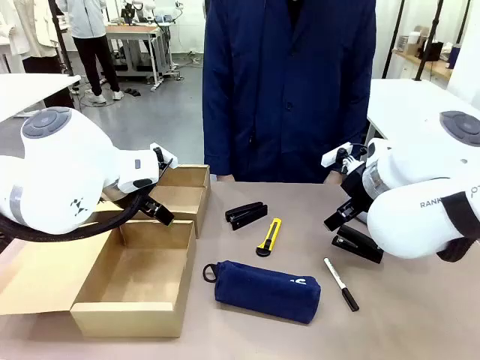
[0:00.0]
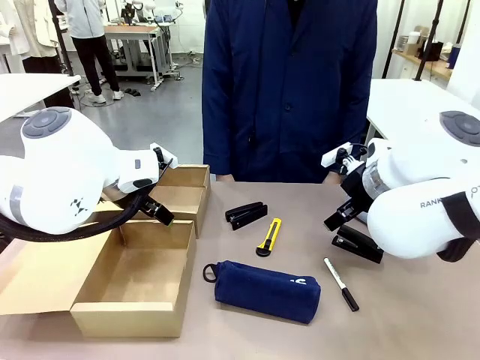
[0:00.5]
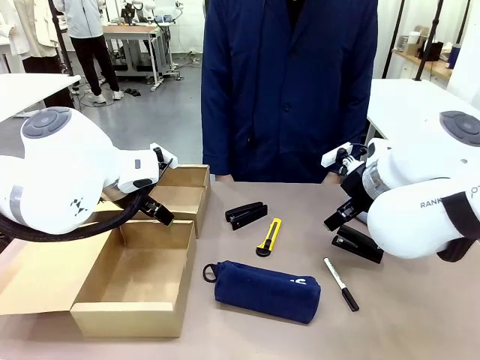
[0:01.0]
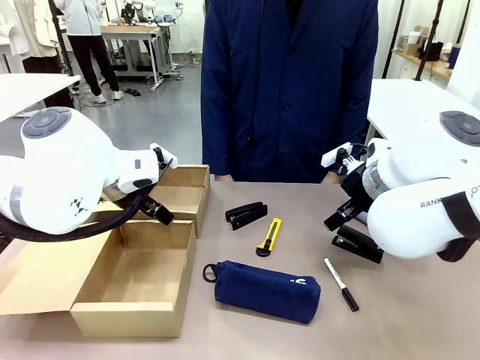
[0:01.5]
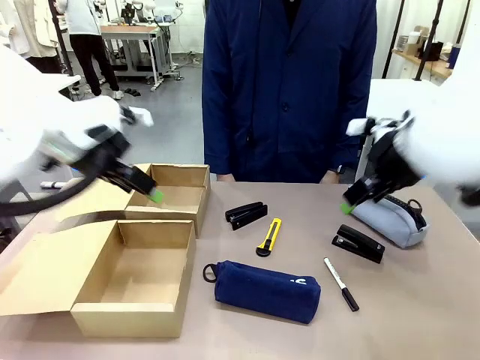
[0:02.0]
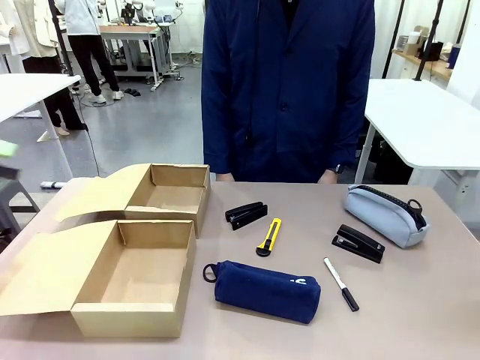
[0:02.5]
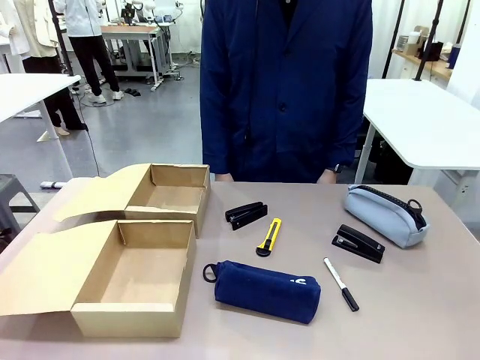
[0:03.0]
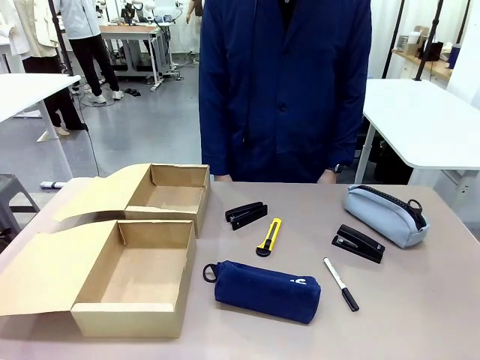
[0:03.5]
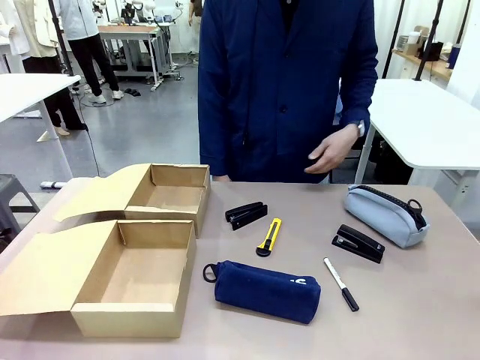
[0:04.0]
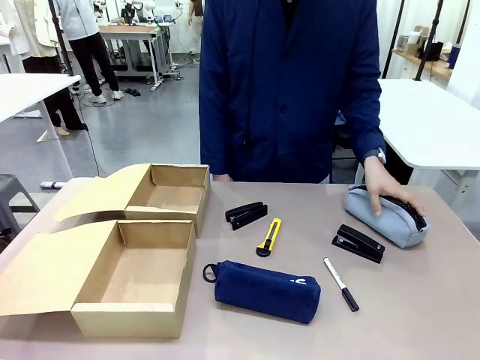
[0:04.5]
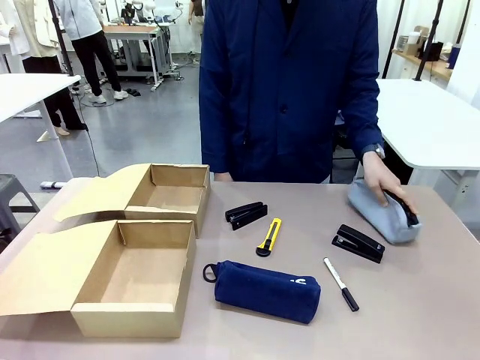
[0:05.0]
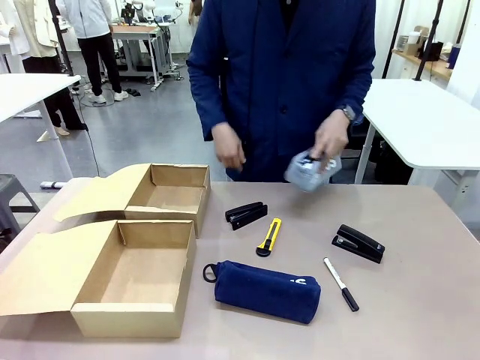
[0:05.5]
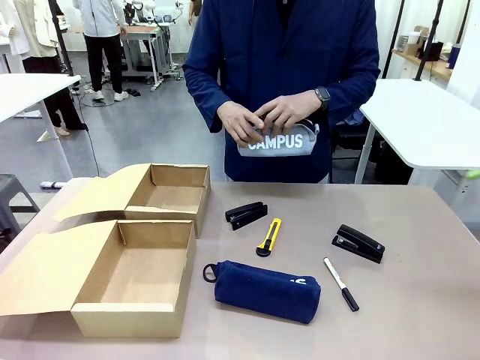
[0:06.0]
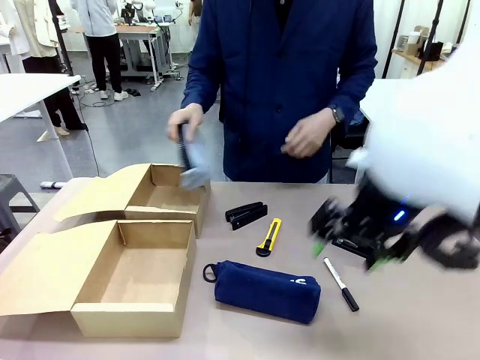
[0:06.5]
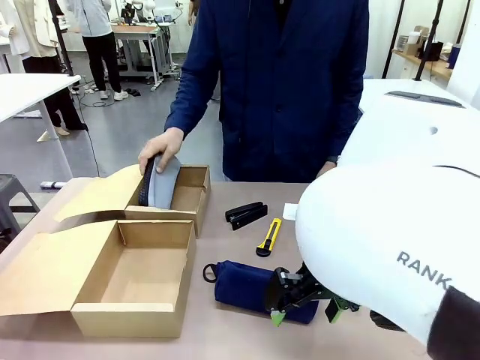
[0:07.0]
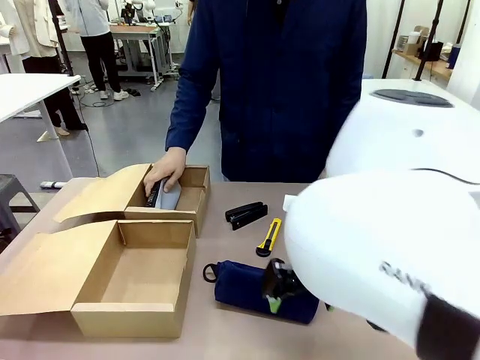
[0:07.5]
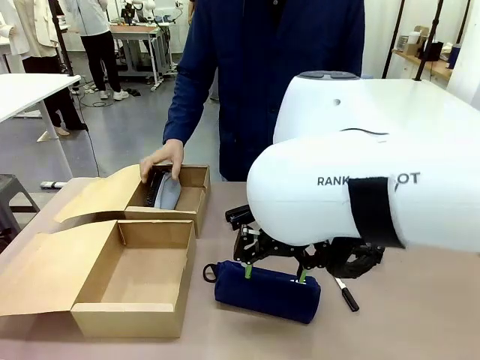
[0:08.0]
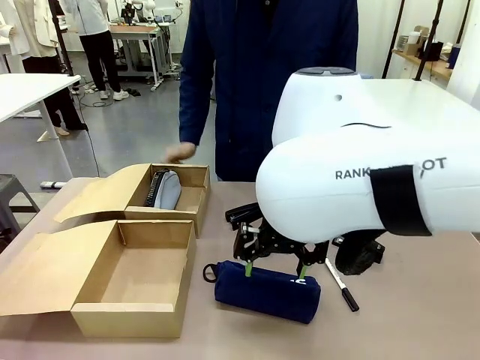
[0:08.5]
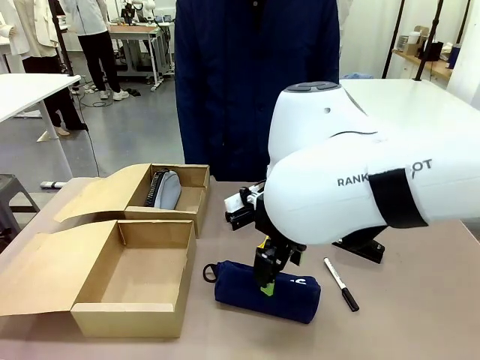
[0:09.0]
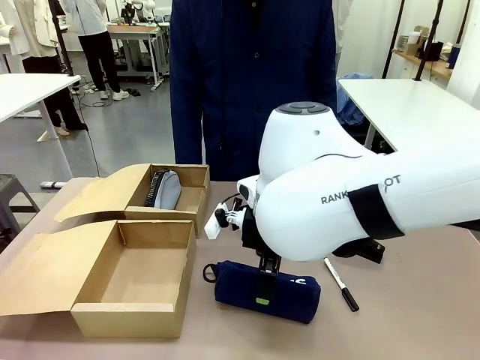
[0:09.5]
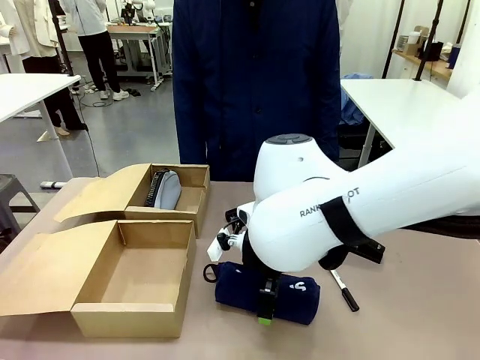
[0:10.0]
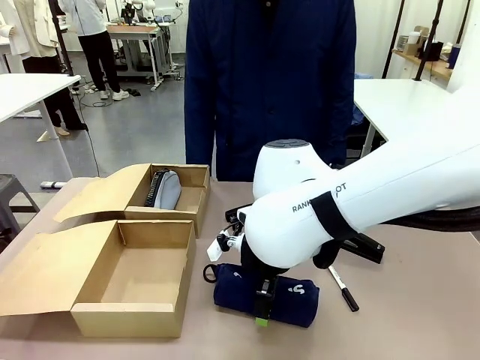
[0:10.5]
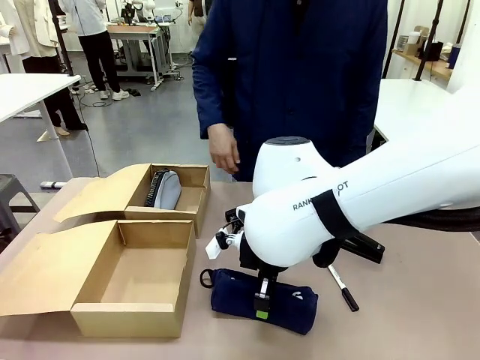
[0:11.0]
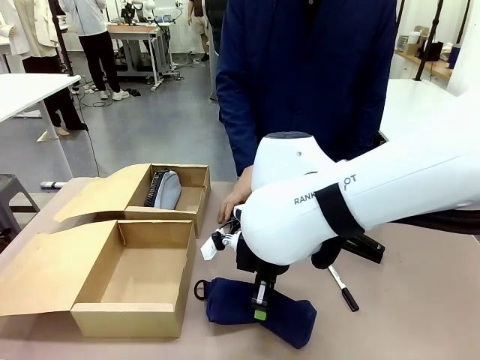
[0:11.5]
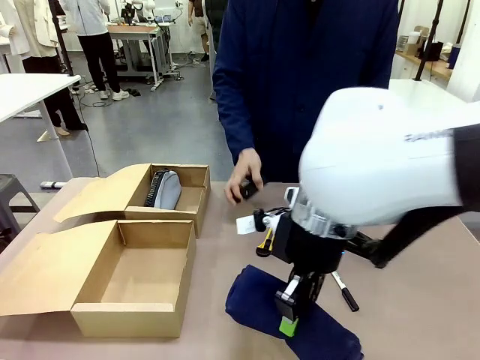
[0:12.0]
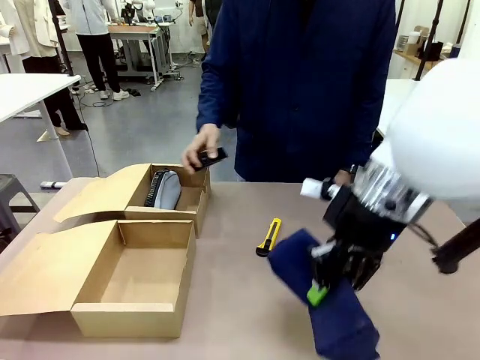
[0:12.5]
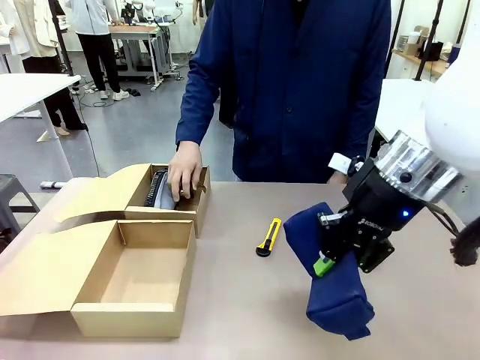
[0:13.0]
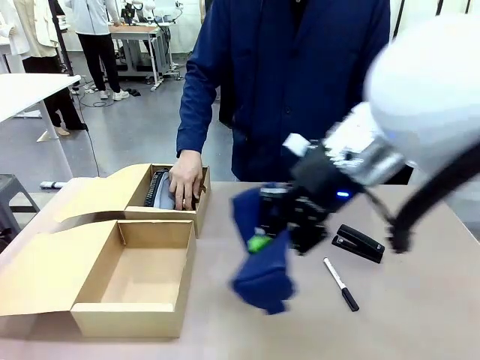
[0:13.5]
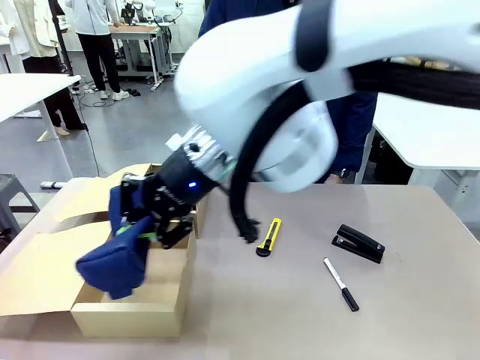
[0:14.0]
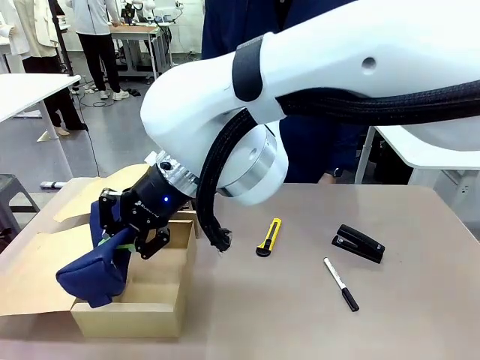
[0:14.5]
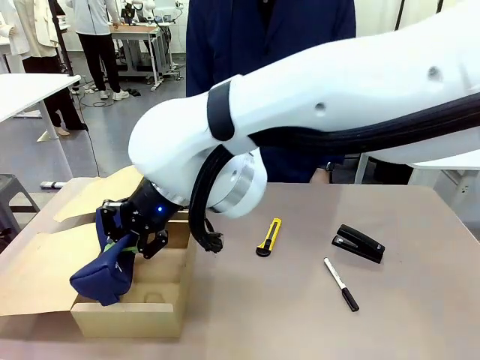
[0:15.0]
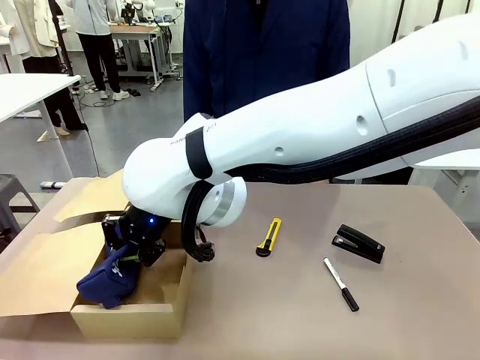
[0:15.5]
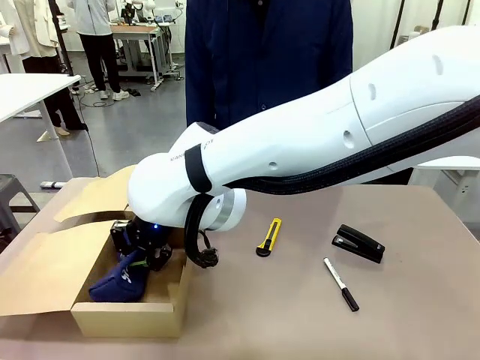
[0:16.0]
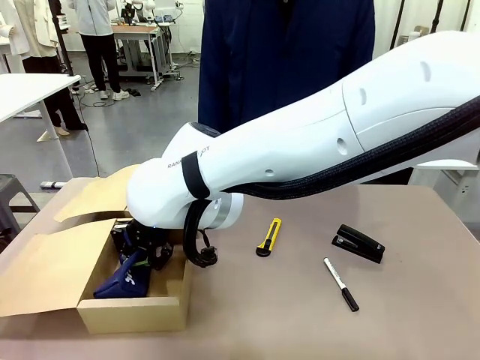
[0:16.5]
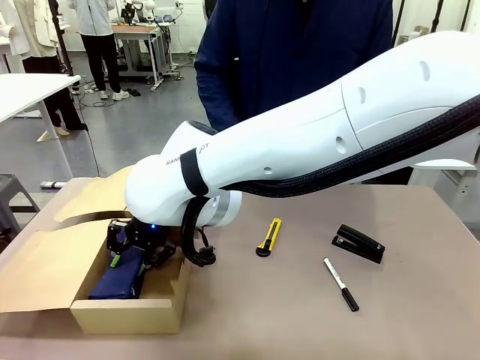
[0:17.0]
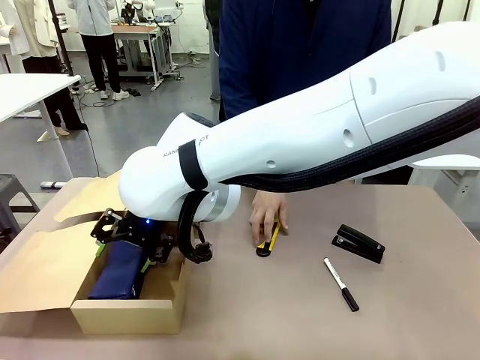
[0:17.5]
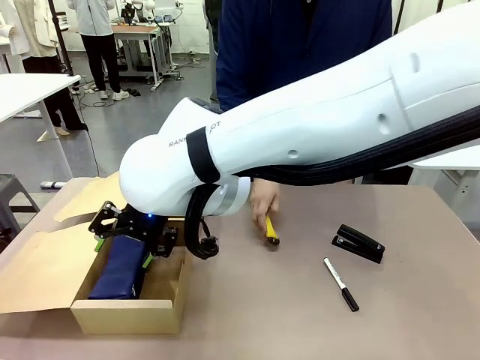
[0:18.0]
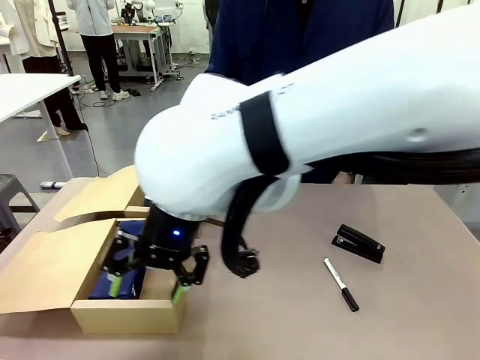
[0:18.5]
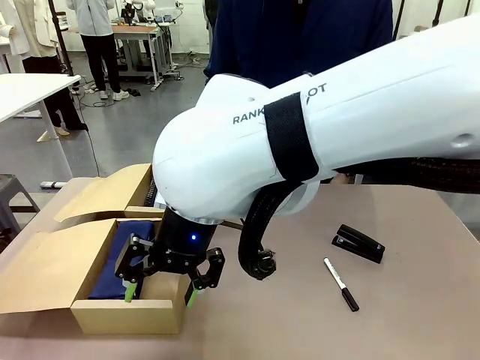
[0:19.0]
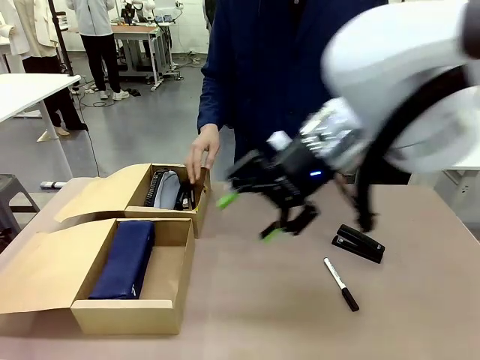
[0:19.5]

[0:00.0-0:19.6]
Task: Place items inside the box.
Robot: Pick up a Pencil pouch or Stapler and place it inside the Mailer Box closest to the robot.
Person: Pick up an object on the table and put it in the box.
